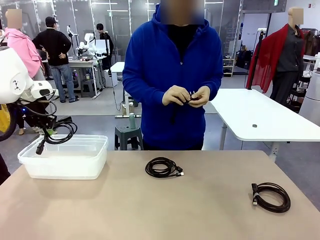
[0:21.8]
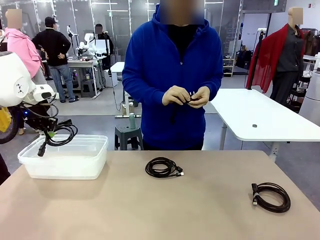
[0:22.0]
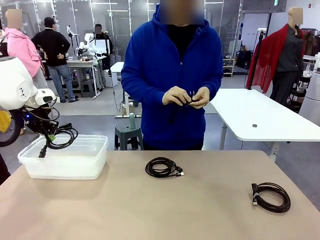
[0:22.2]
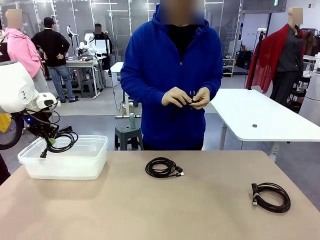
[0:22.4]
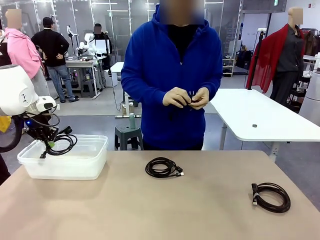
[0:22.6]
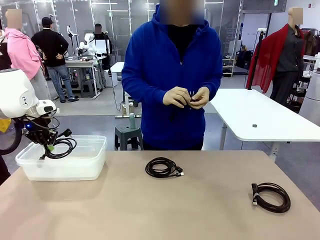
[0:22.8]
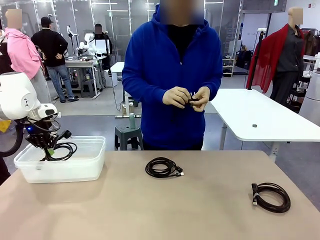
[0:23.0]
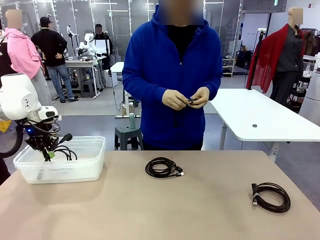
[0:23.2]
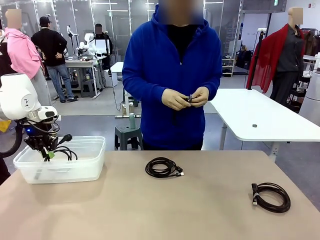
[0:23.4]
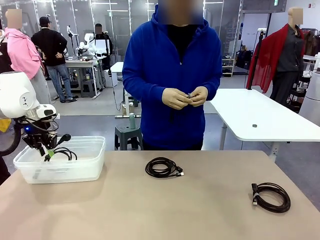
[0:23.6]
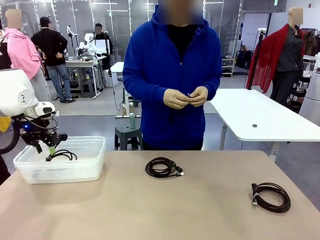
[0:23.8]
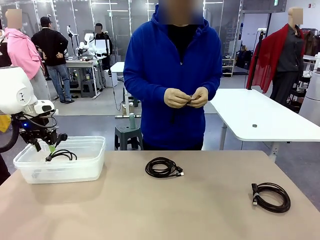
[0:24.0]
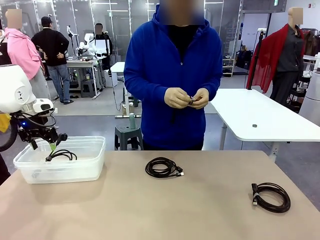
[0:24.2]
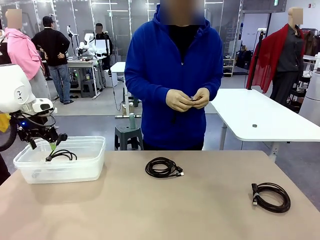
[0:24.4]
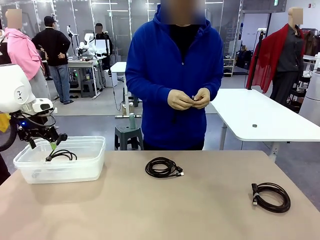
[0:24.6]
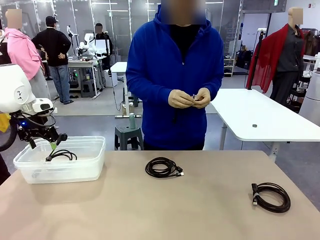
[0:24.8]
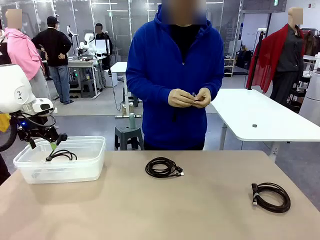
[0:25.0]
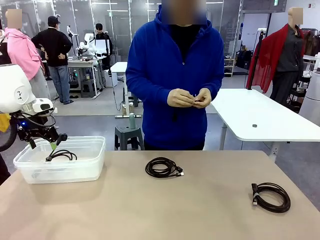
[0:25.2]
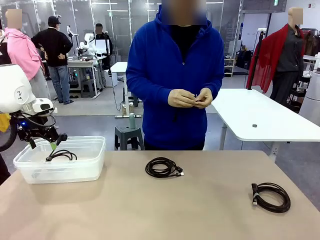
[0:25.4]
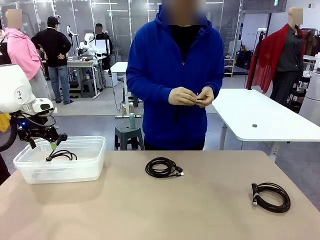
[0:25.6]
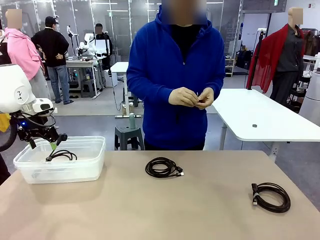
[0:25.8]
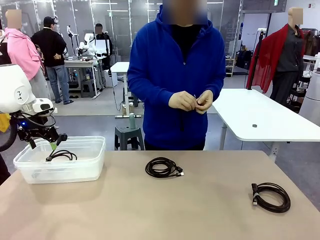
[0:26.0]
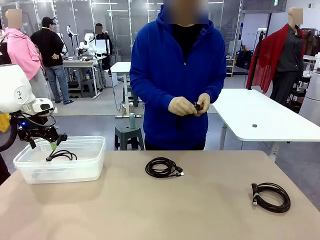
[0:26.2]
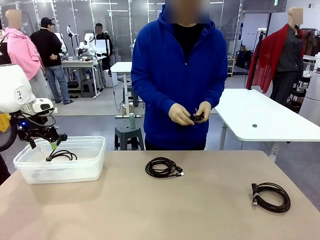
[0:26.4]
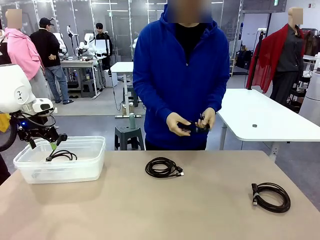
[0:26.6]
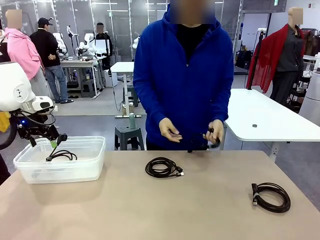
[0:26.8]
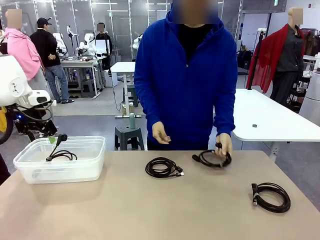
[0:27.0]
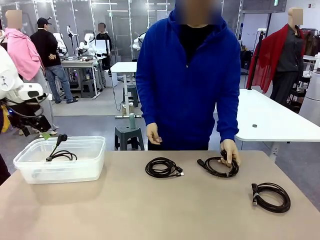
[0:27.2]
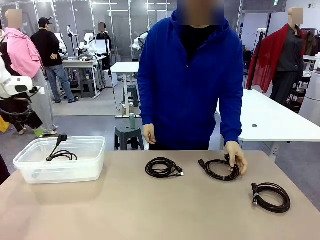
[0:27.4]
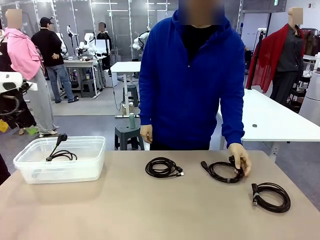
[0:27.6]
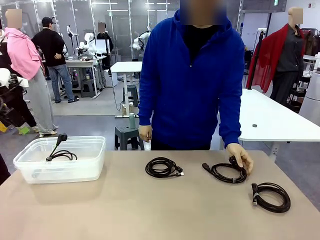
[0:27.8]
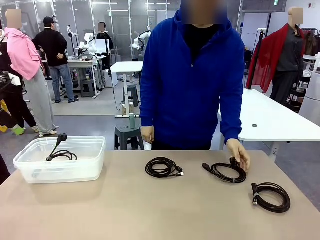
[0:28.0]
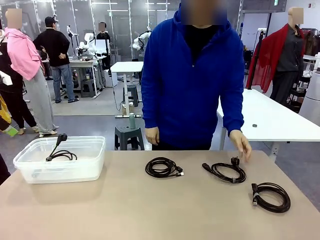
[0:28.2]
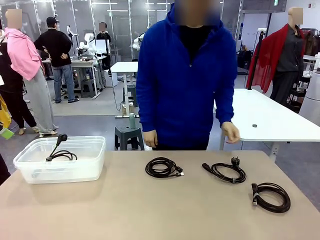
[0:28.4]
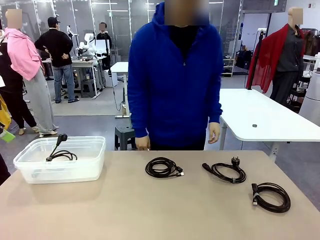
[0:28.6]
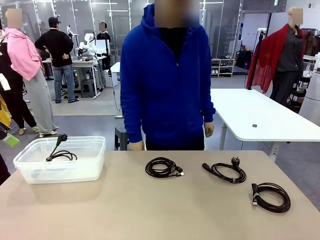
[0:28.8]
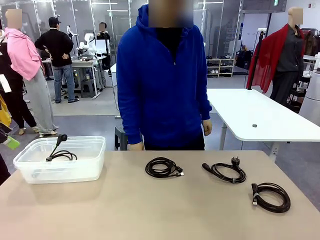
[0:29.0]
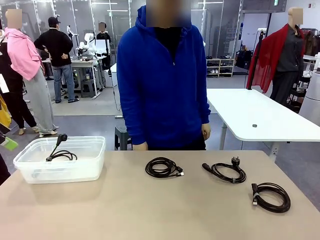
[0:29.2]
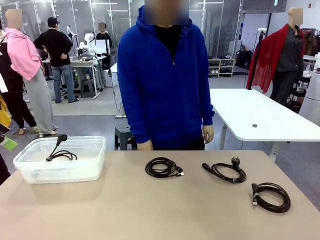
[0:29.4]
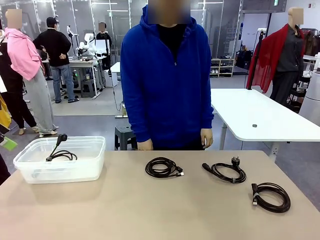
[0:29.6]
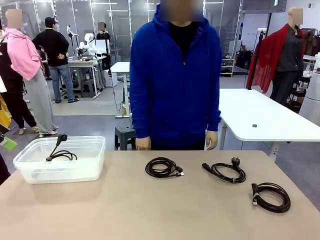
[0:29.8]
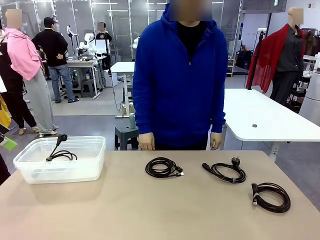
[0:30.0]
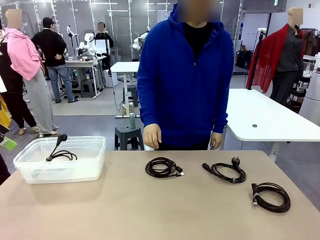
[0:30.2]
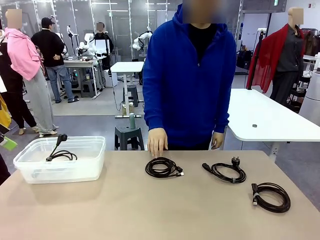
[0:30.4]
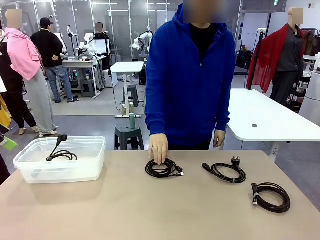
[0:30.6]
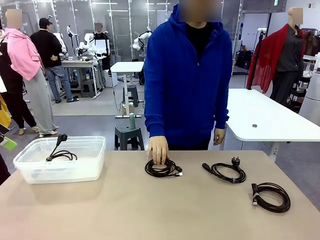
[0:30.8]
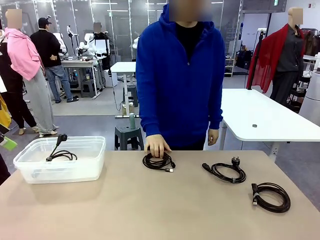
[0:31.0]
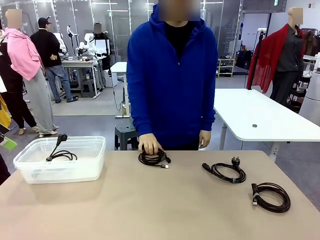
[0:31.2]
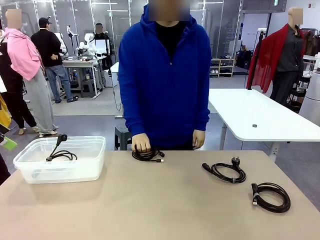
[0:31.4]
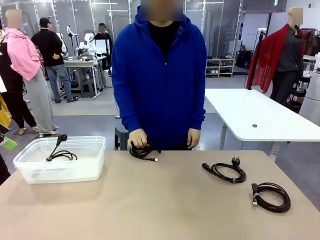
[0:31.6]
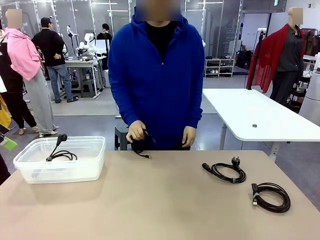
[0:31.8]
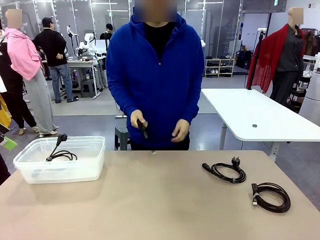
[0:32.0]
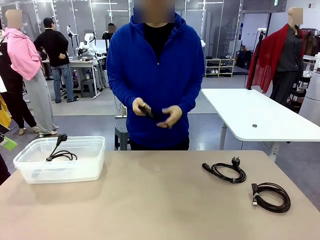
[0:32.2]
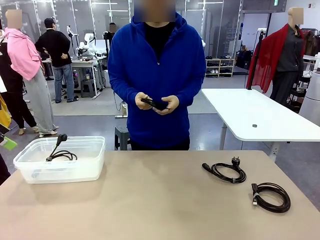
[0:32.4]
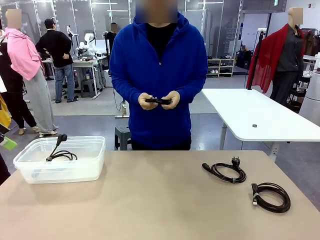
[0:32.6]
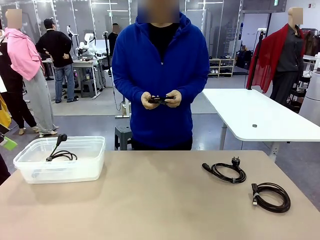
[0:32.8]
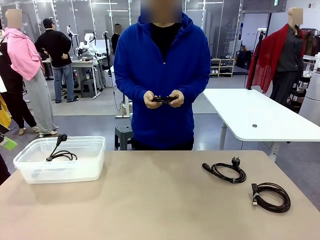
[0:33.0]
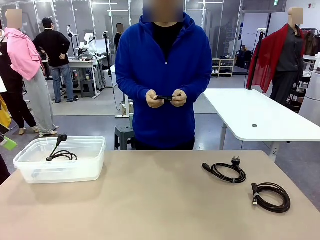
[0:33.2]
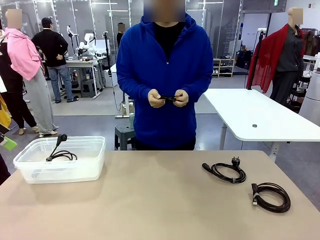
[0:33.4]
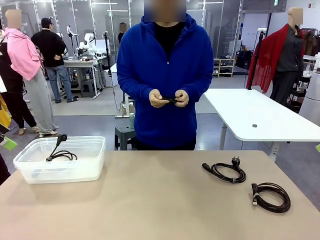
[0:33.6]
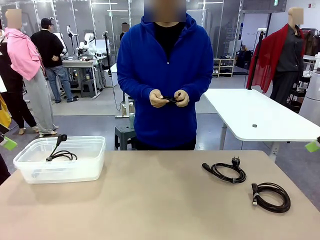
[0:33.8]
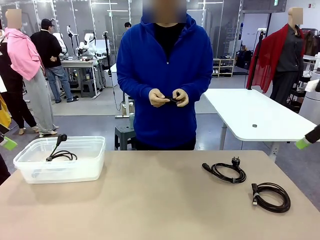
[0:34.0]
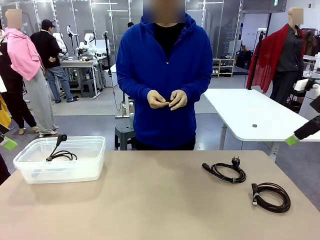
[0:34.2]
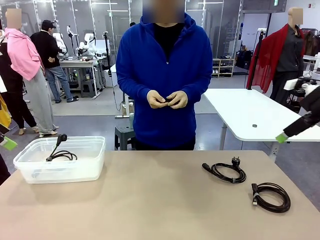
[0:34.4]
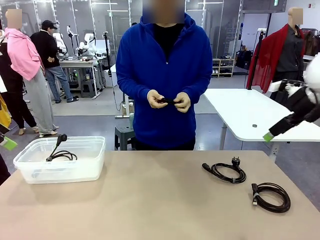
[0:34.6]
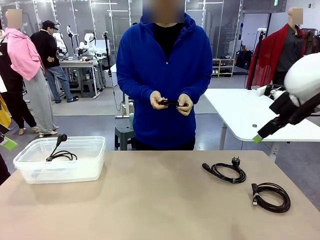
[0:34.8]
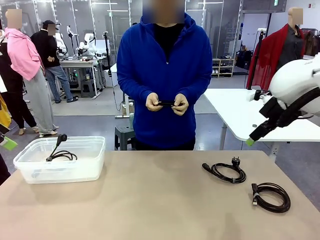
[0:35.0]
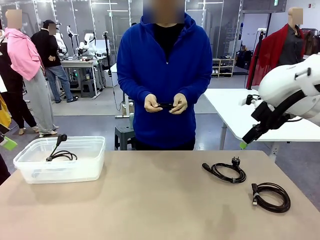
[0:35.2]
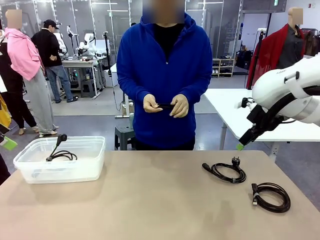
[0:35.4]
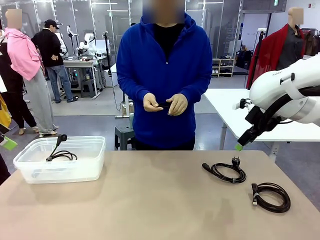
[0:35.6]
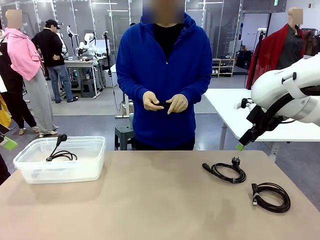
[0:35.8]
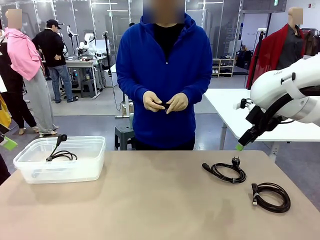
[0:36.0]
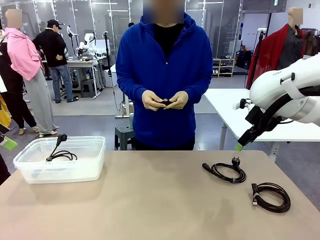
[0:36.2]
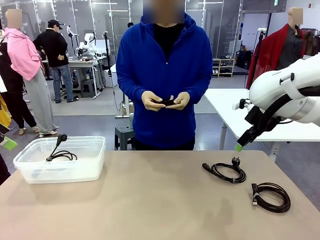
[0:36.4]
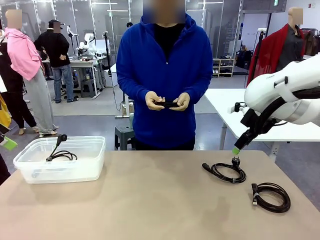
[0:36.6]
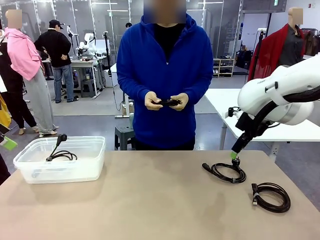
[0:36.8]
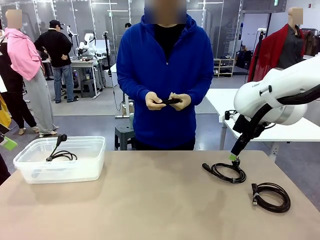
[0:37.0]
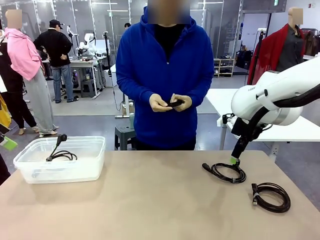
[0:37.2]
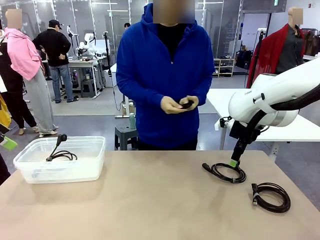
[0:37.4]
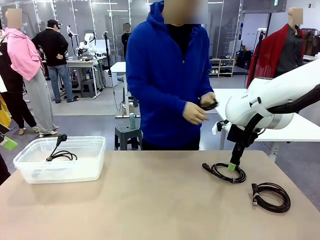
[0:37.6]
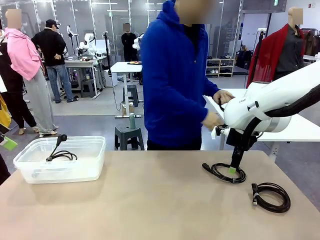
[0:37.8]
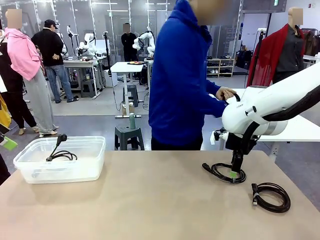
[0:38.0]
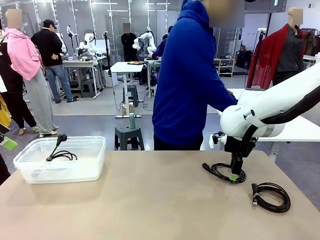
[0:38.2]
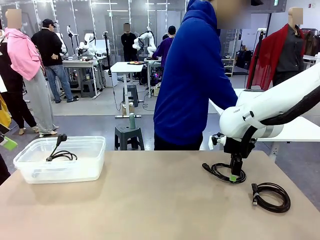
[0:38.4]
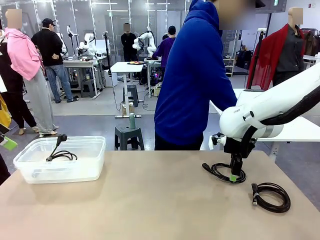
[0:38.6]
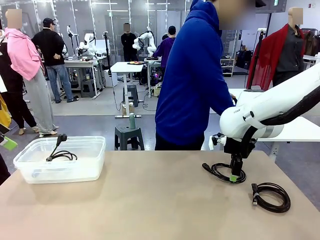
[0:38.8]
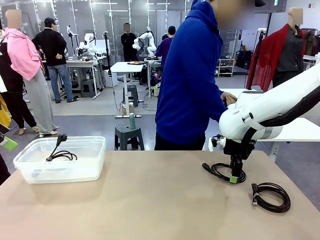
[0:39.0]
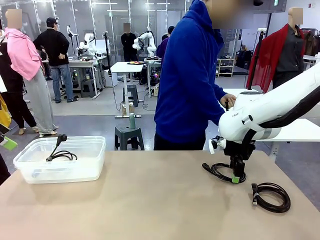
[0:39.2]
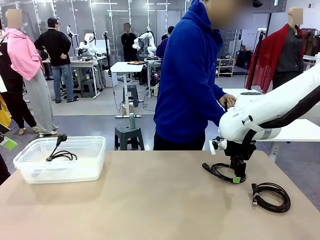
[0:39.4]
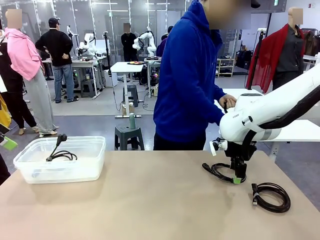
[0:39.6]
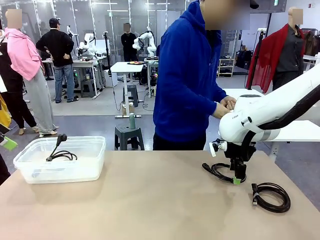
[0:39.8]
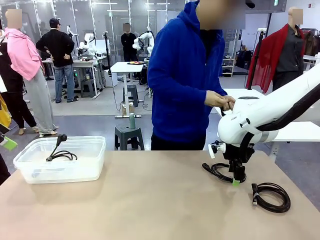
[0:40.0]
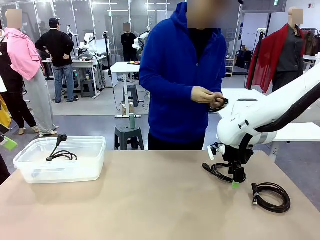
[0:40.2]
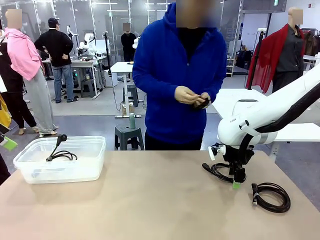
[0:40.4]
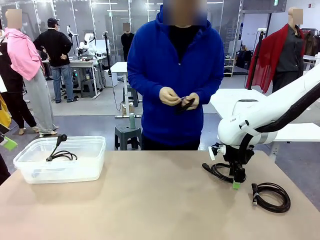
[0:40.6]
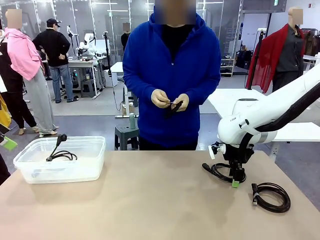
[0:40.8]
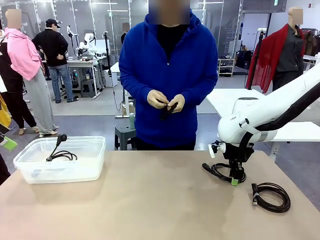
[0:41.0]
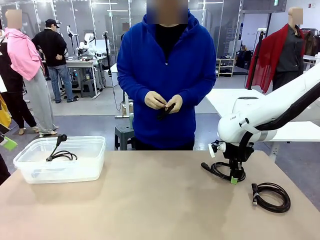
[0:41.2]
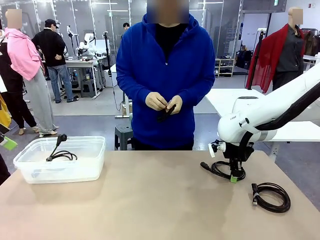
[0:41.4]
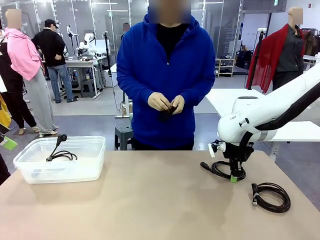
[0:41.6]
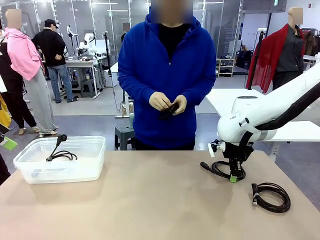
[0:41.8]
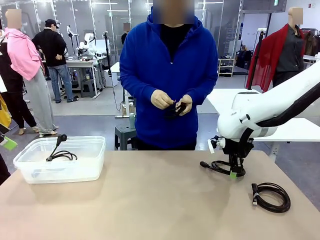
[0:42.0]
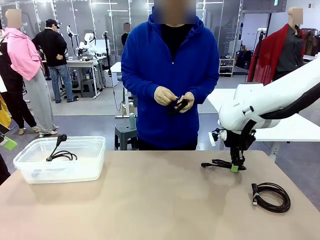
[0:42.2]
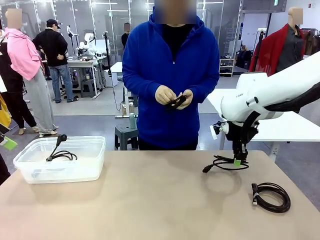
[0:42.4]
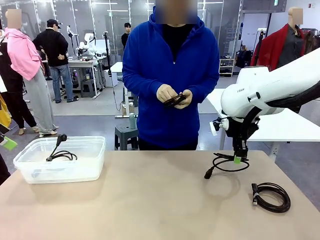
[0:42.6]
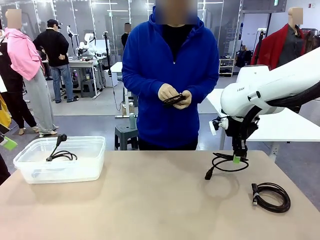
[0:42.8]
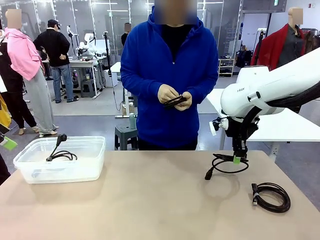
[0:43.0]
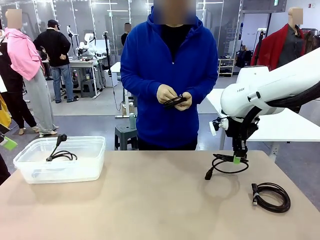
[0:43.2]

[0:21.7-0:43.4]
Task: Organize and store the cables.
Robot: Place the Power Cable into the Organizing box.
